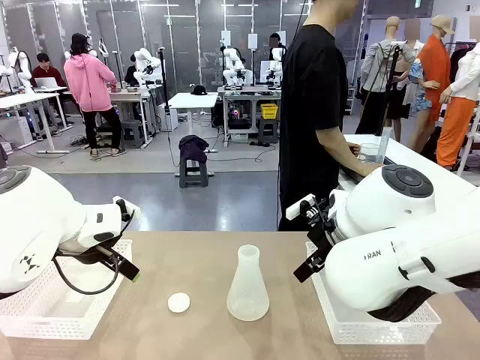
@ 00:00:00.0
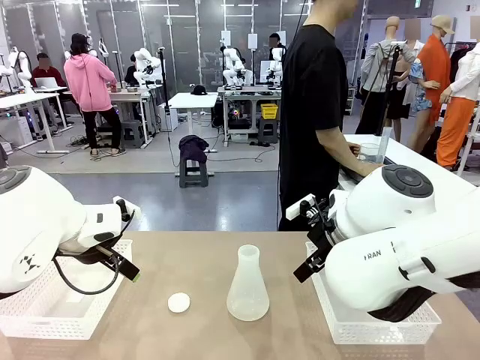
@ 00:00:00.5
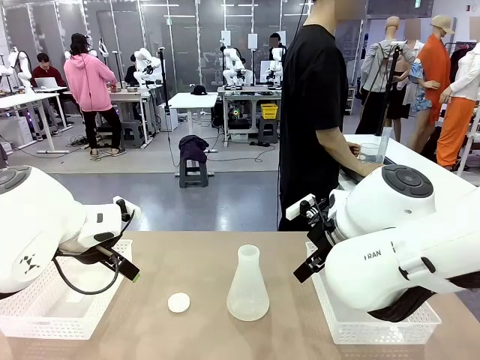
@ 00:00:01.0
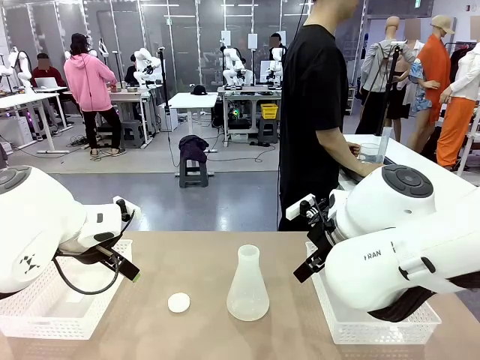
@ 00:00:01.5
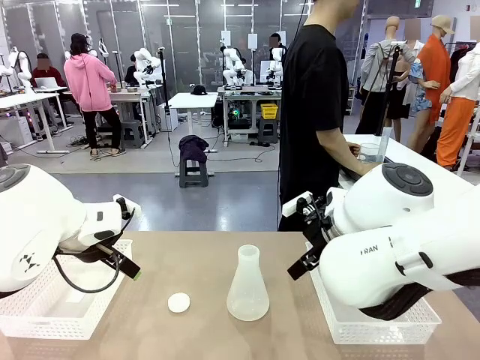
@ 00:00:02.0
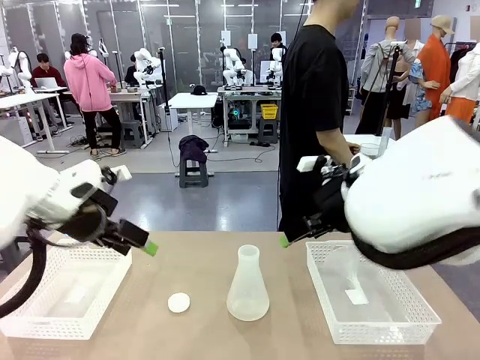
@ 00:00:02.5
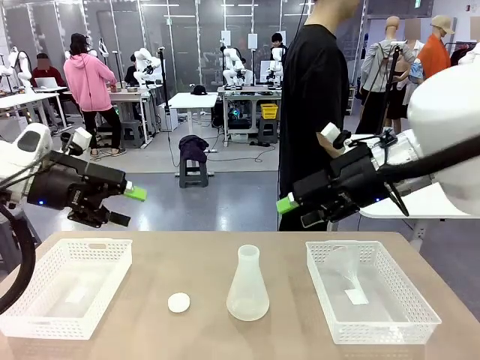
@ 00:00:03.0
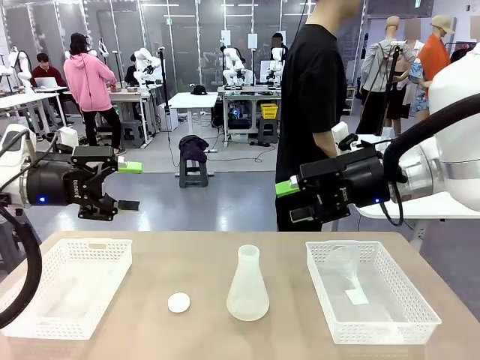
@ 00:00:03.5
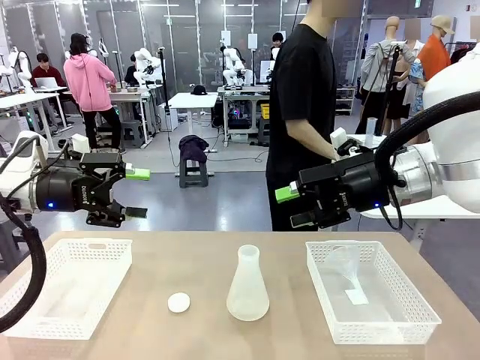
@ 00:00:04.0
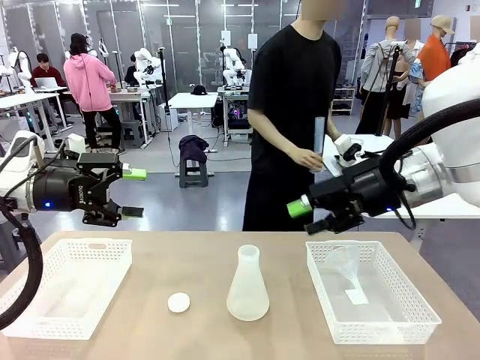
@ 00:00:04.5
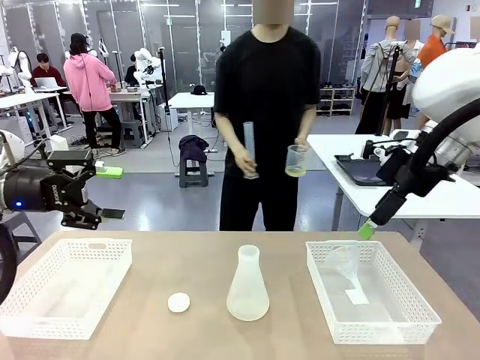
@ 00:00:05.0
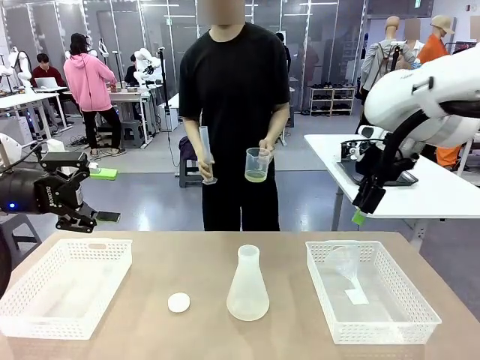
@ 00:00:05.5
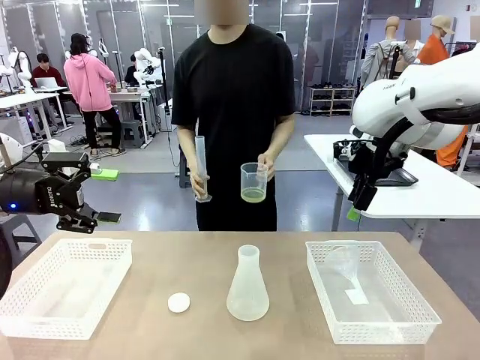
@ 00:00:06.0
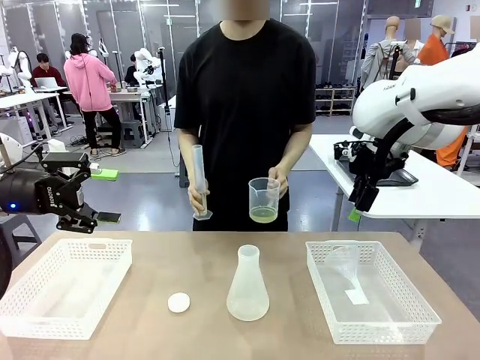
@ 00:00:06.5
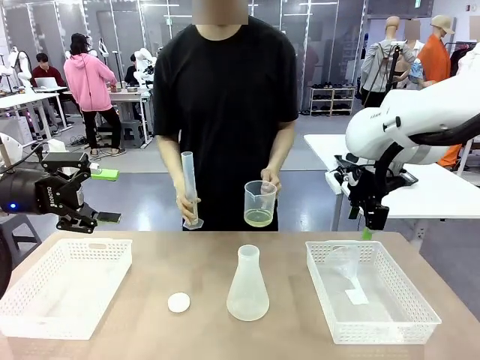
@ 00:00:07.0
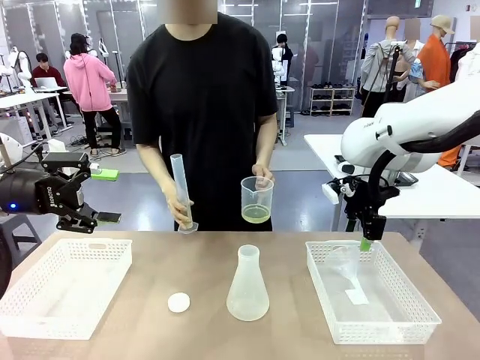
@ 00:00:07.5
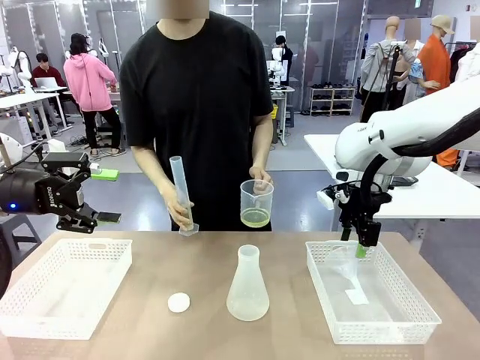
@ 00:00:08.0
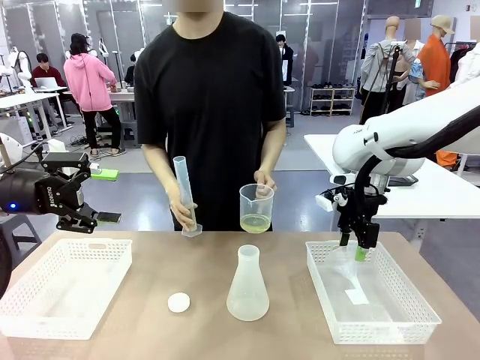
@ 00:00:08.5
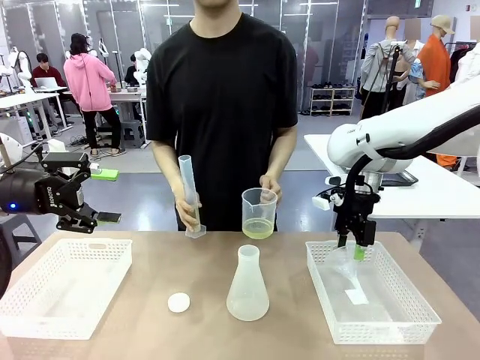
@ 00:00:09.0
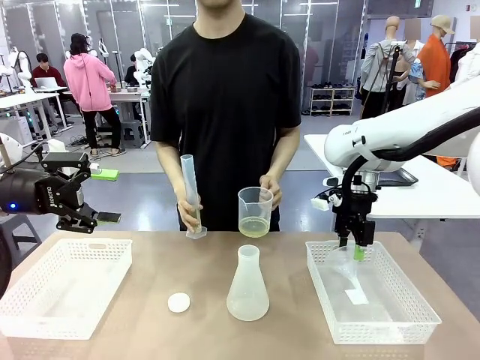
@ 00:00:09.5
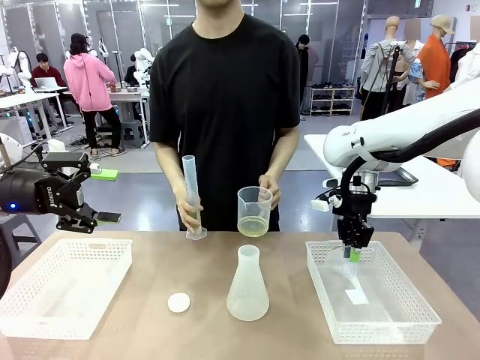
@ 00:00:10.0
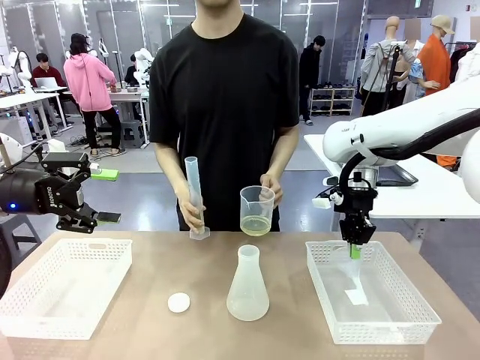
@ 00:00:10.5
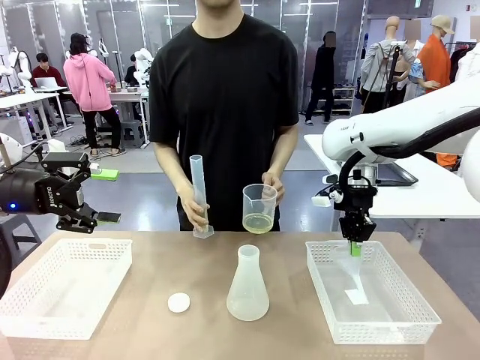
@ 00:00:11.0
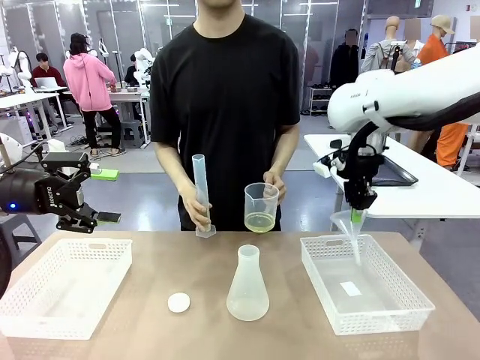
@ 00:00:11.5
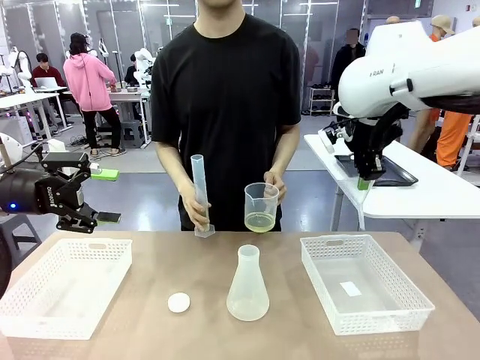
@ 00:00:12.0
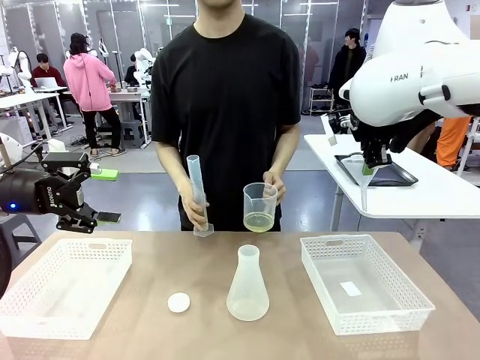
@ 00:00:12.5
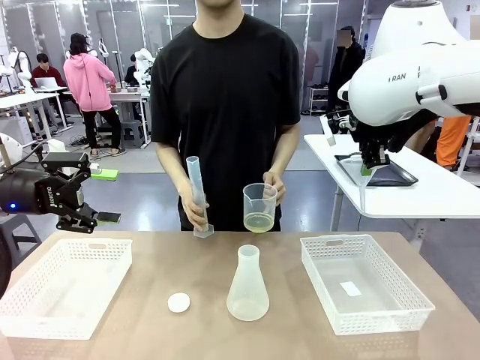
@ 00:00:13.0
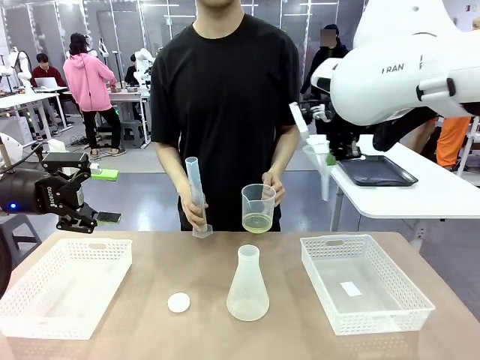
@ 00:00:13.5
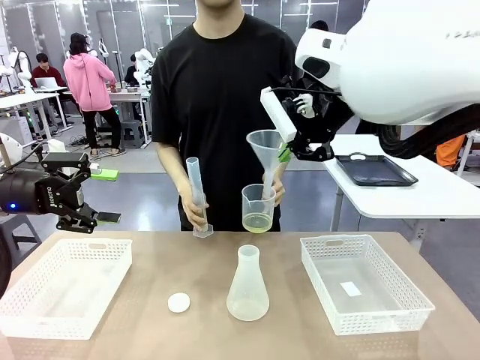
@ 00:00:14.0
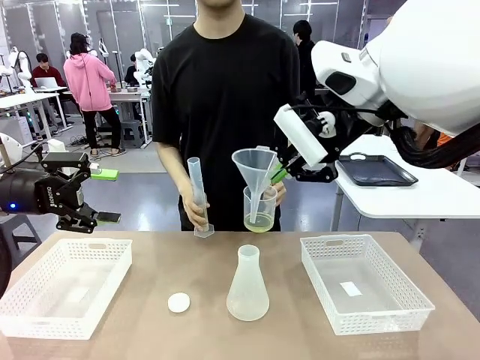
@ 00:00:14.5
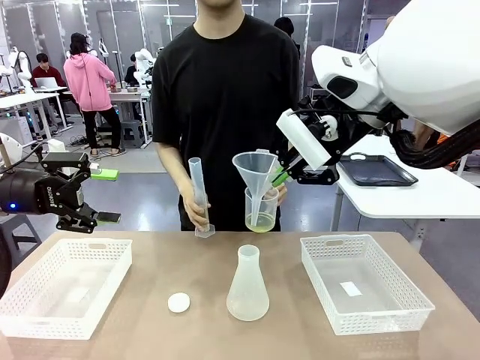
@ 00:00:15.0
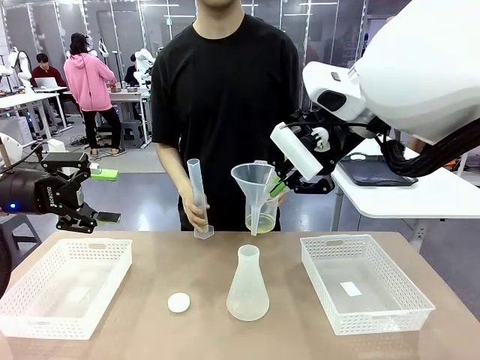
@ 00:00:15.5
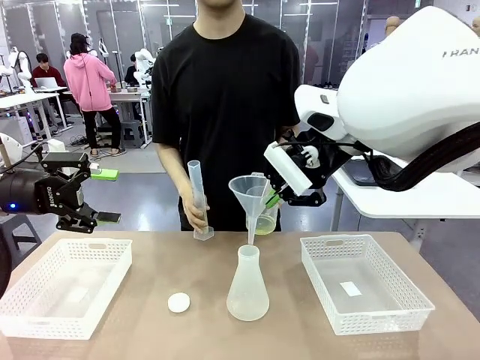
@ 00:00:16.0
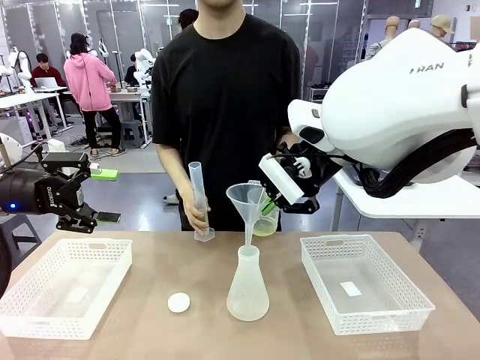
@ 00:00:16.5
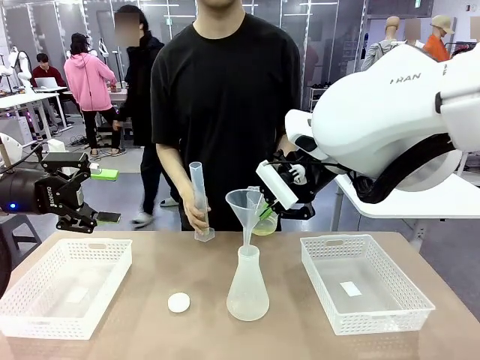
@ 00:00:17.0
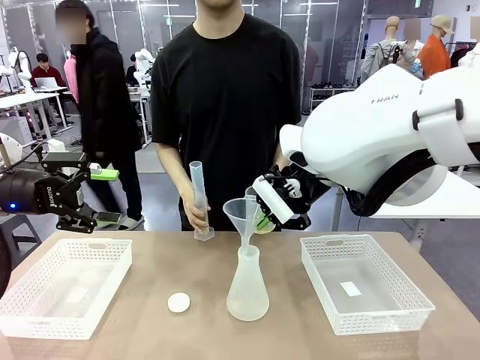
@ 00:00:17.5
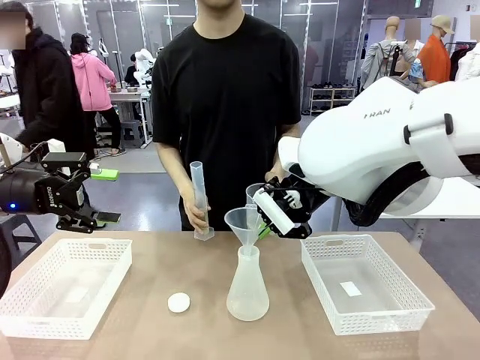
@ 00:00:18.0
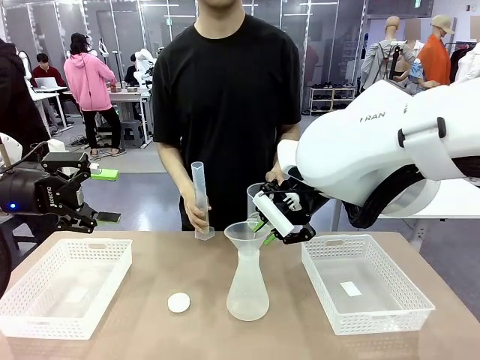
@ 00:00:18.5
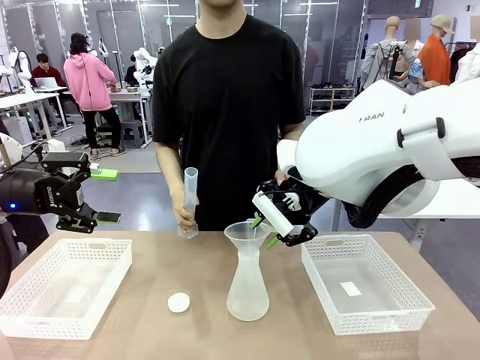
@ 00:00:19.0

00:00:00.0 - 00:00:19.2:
Task: Prepare the solutions needed for the experiment.
Robot: Pick up the Plastic Funnel and insert it into the Big flask.
Person: Pick up the beaker and the cylinder and move to the middle of the robot table. Pour the solution from the beaker and the cylinder into the flask.
